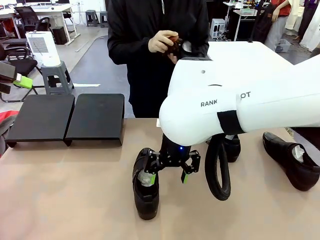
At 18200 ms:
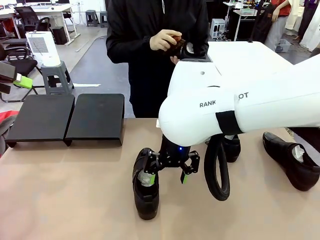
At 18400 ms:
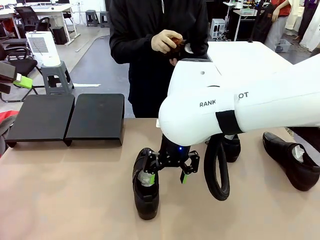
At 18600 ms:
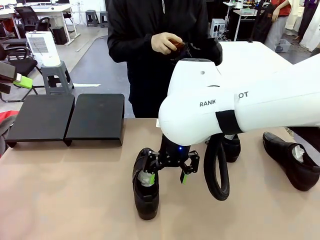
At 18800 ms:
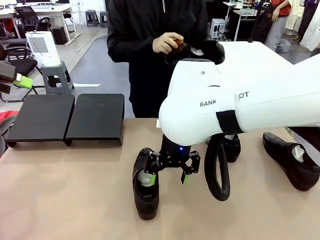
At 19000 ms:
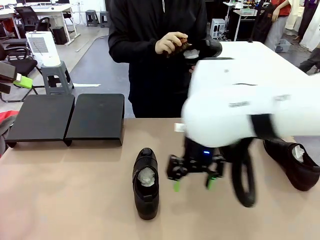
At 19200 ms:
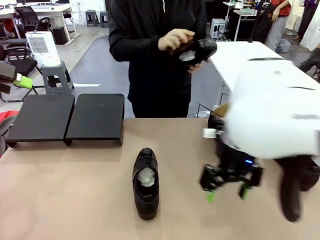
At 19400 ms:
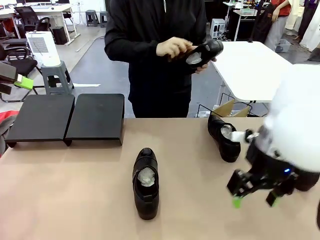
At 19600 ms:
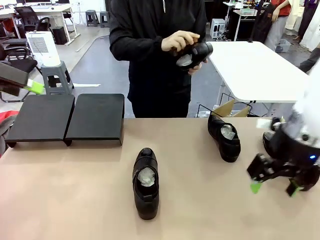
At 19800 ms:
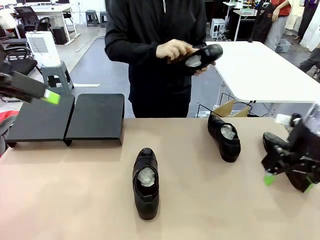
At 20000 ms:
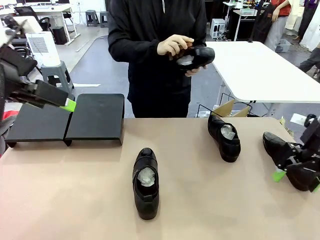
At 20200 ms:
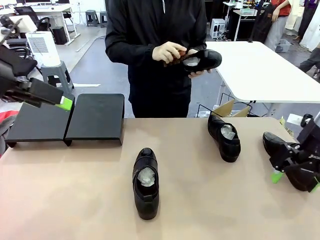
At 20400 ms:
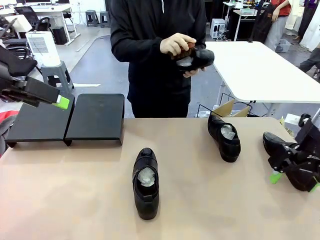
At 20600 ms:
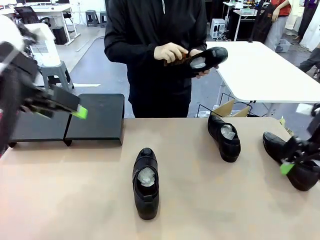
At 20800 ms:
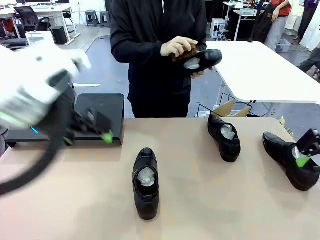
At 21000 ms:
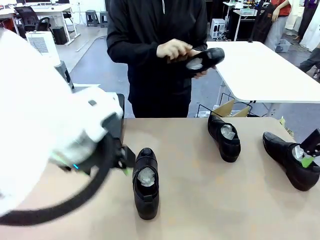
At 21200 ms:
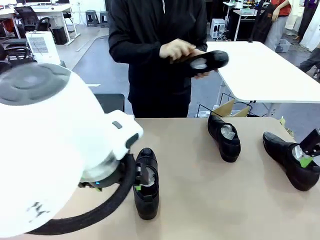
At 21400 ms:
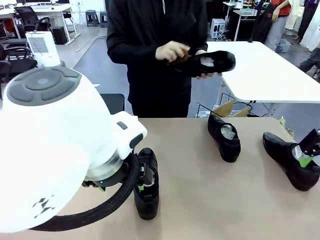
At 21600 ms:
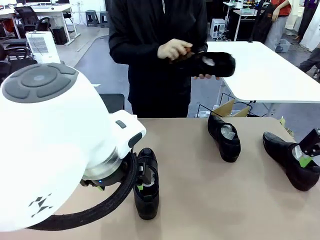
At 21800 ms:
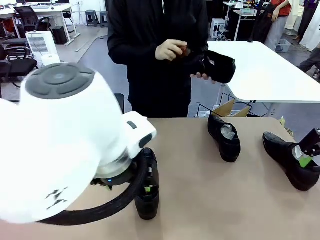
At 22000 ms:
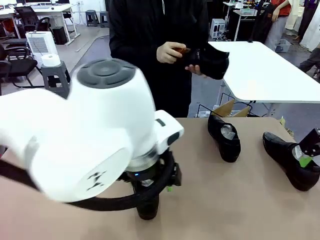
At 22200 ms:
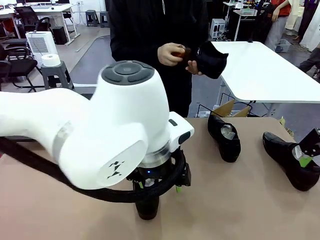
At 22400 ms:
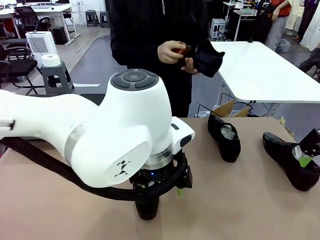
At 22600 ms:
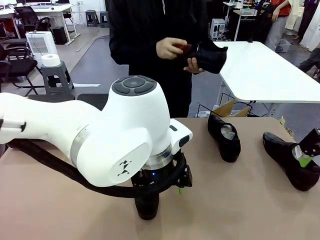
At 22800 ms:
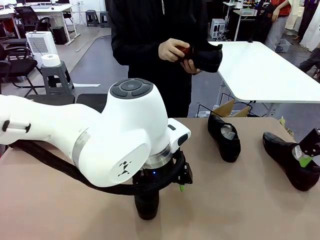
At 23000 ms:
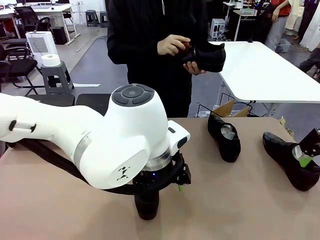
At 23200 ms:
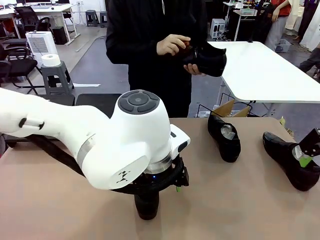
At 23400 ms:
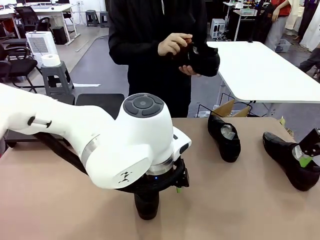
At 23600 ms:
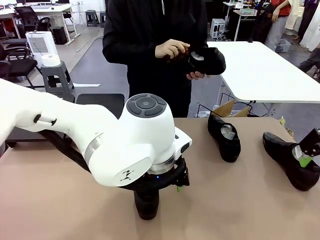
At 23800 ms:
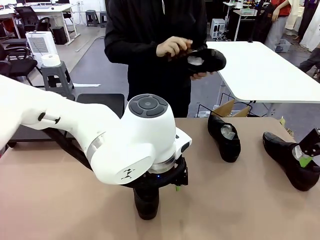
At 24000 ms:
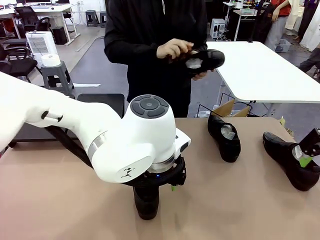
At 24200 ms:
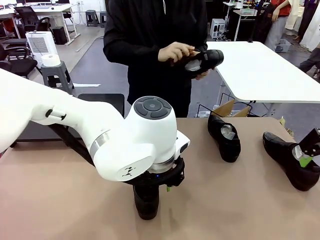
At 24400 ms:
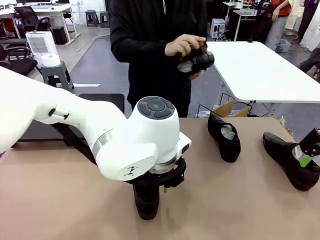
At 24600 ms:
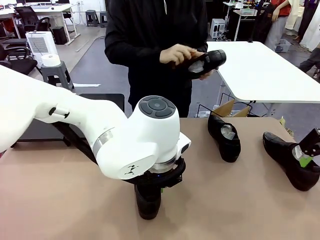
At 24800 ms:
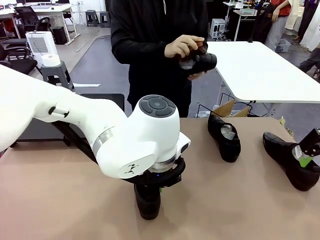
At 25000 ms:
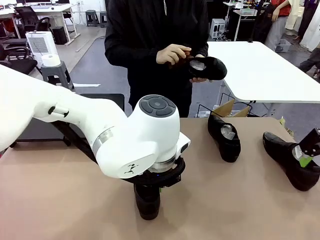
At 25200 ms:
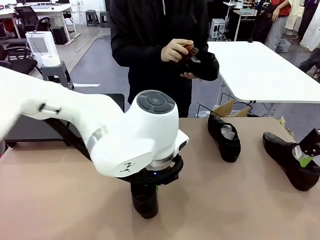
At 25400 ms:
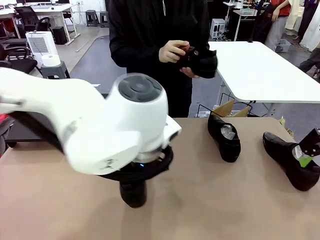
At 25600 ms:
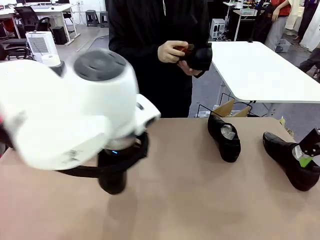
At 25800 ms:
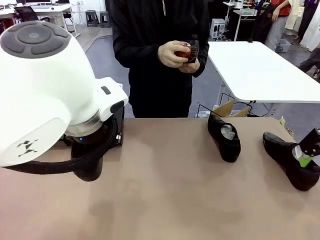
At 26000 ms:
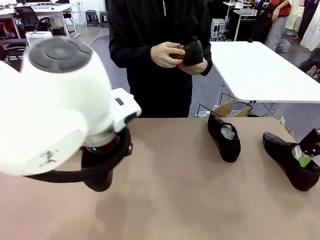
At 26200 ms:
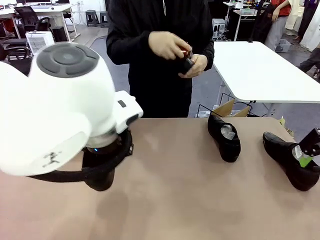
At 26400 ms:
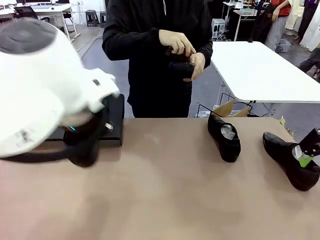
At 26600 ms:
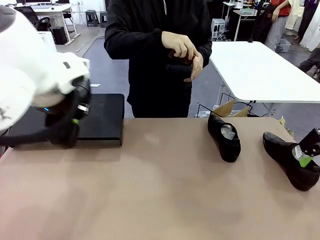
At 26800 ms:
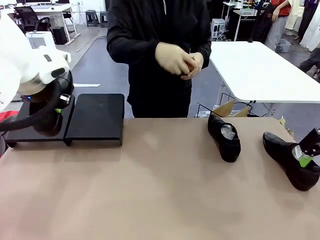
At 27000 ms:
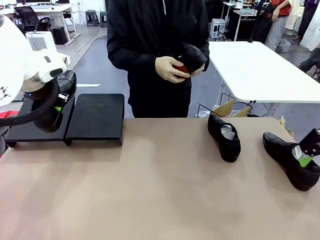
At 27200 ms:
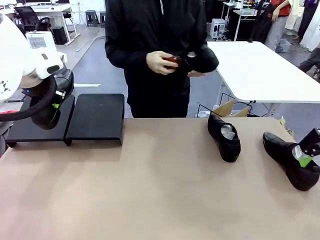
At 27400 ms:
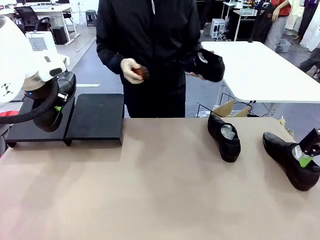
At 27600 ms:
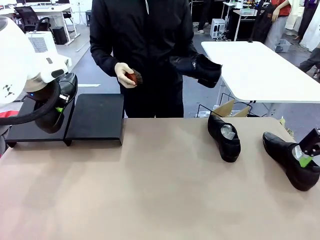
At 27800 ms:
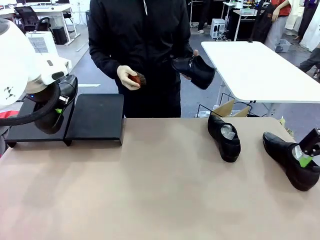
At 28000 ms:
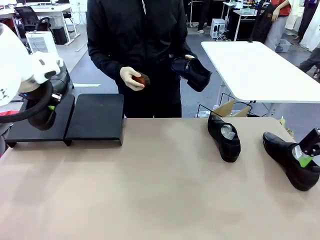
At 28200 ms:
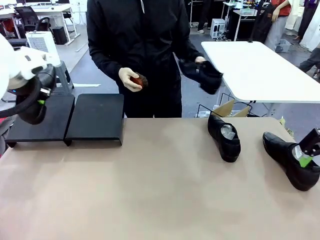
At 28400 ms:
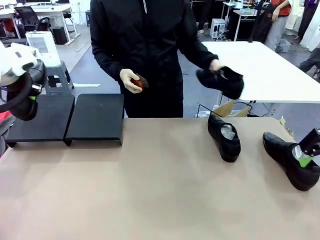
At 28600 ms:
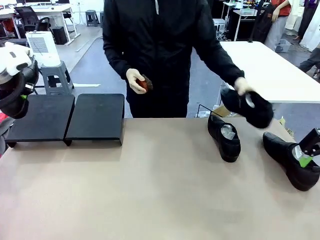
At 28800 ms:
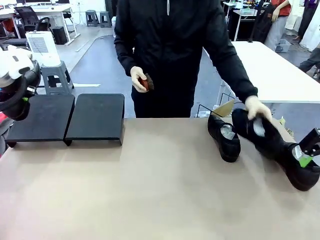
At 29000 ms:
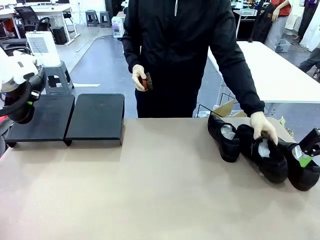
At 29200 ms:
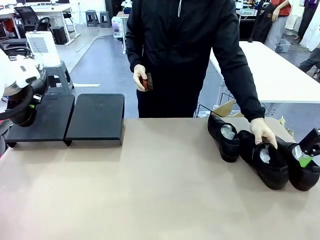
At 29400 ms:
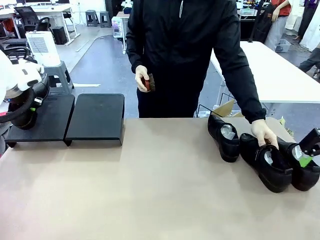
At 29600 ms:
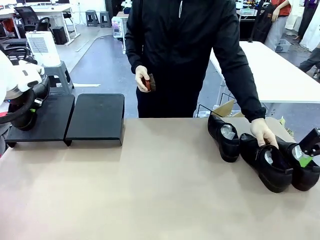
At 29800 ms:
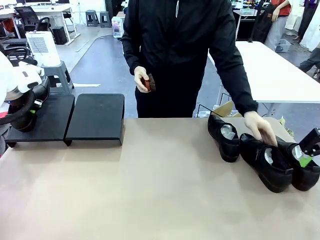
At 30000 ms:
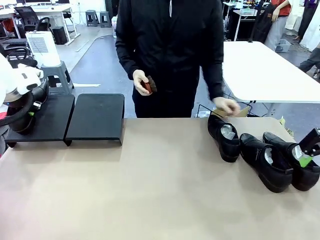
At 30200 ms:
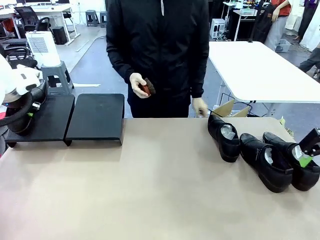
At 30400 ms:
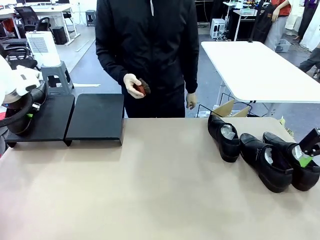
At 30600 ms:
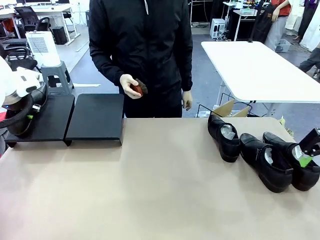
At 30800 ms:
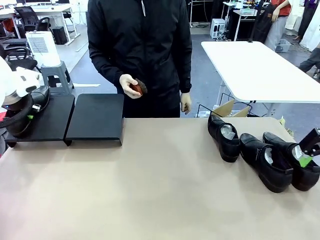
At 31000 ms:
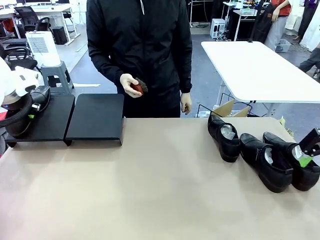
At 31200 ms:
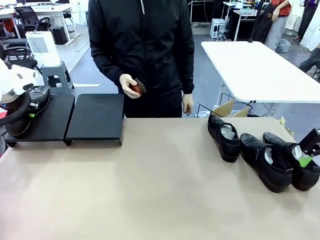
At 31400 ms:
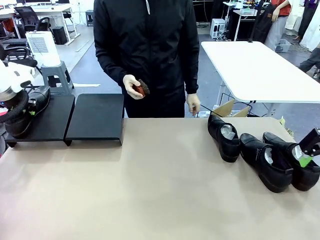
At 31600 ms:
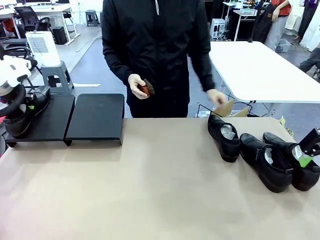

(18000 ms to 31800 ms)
Task: Organize the shoes by placing them on the stand.
Robot: Place the Shoe from the middle of the table onto the Shoes Stand.
Person: Place the Shoe on left side of the Robot's table.
